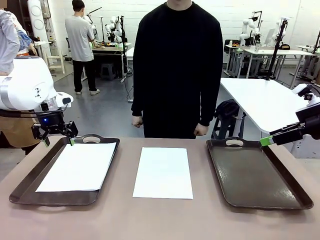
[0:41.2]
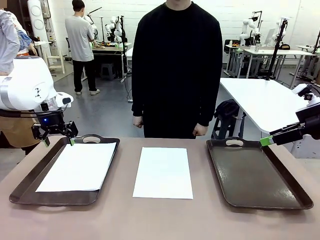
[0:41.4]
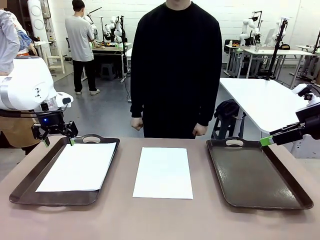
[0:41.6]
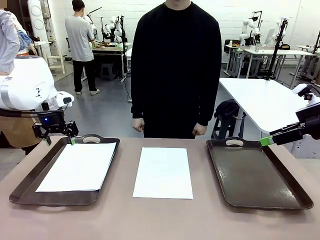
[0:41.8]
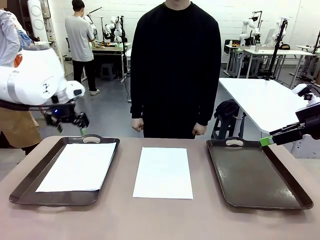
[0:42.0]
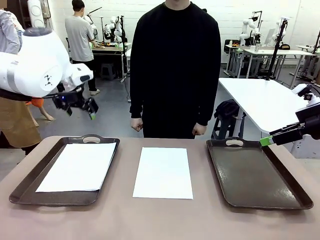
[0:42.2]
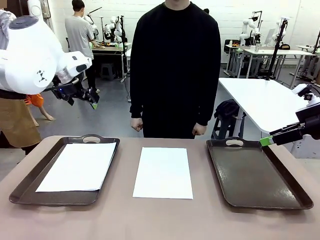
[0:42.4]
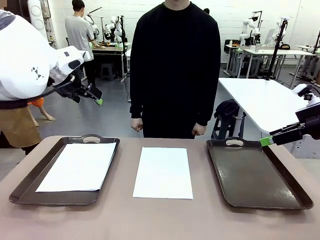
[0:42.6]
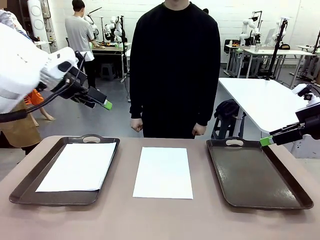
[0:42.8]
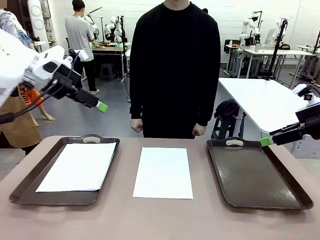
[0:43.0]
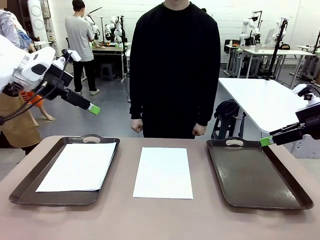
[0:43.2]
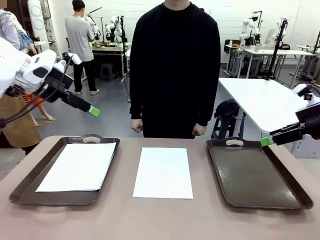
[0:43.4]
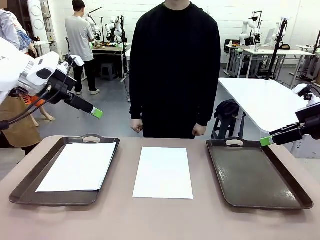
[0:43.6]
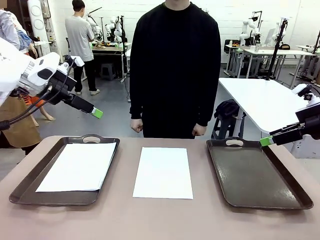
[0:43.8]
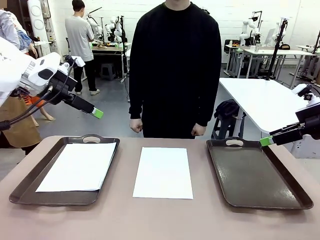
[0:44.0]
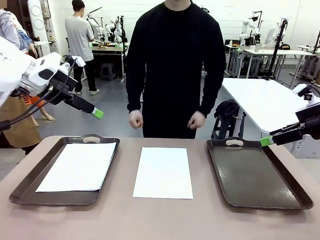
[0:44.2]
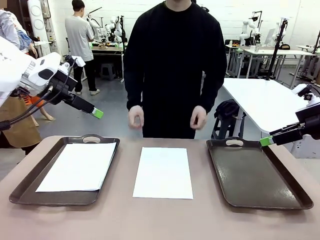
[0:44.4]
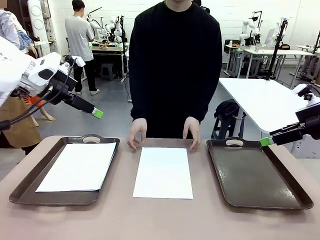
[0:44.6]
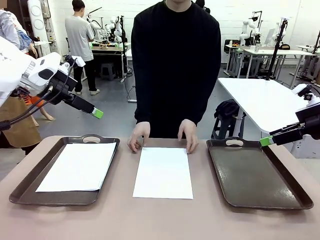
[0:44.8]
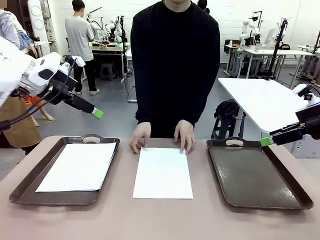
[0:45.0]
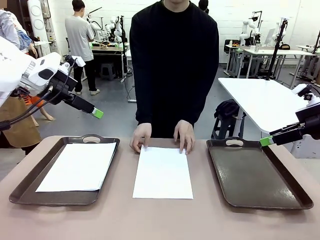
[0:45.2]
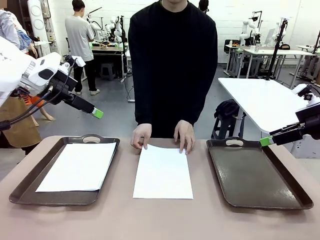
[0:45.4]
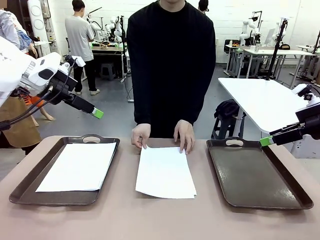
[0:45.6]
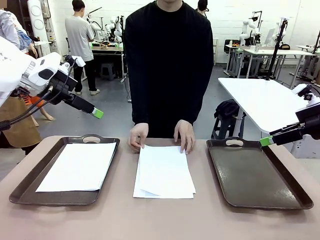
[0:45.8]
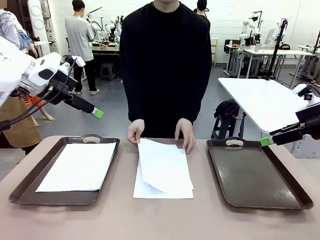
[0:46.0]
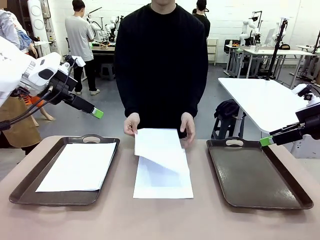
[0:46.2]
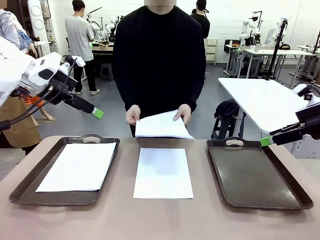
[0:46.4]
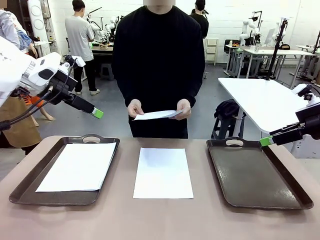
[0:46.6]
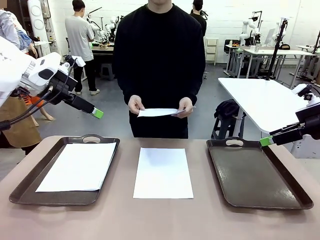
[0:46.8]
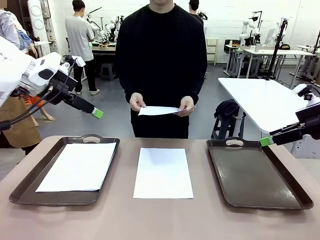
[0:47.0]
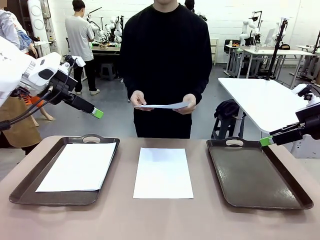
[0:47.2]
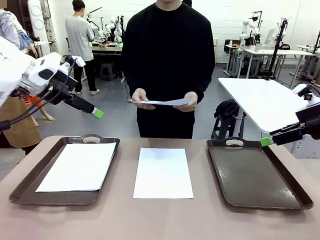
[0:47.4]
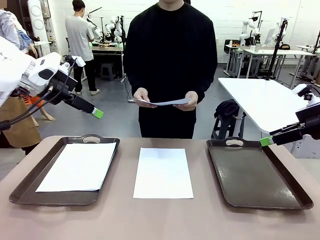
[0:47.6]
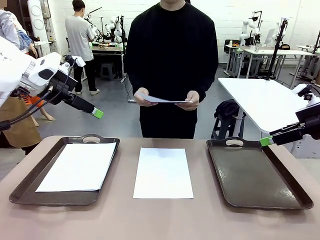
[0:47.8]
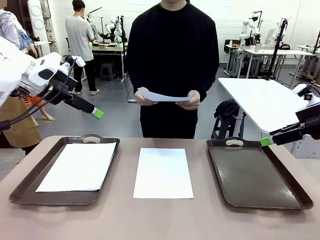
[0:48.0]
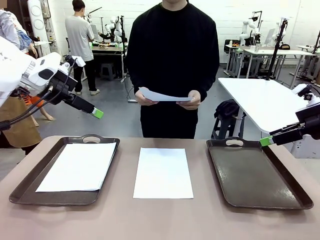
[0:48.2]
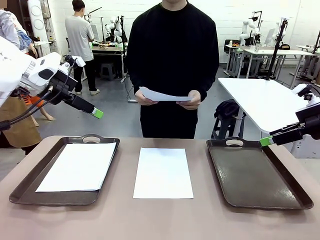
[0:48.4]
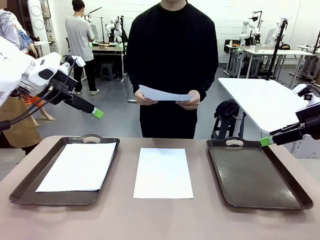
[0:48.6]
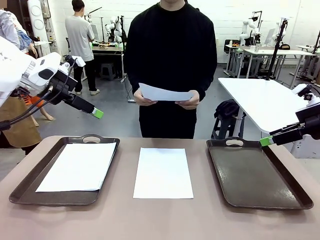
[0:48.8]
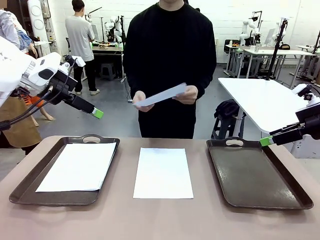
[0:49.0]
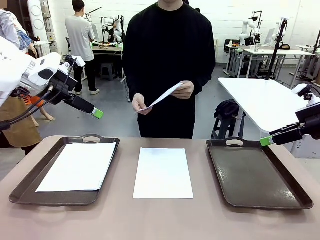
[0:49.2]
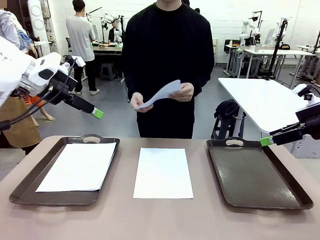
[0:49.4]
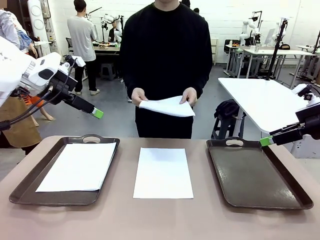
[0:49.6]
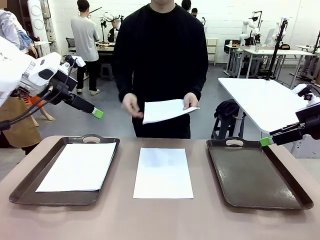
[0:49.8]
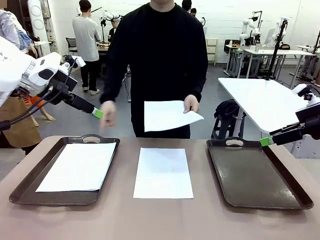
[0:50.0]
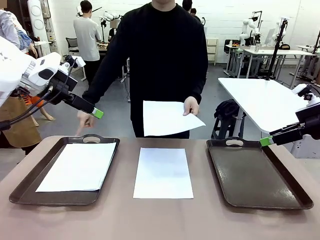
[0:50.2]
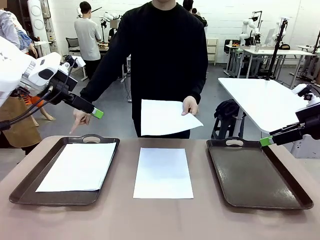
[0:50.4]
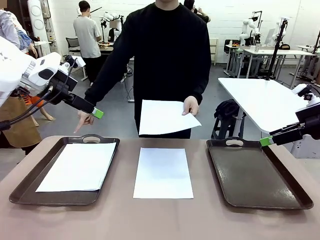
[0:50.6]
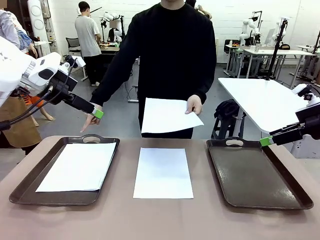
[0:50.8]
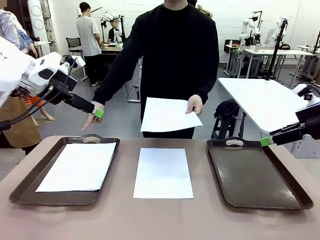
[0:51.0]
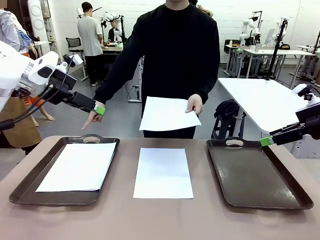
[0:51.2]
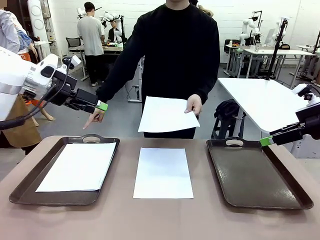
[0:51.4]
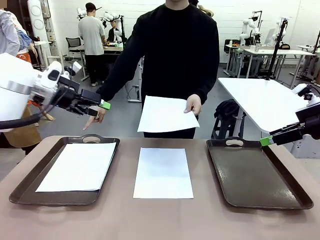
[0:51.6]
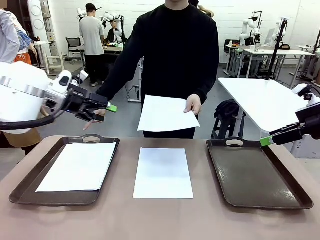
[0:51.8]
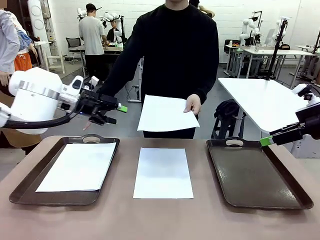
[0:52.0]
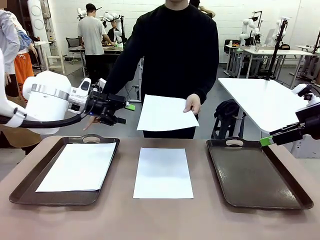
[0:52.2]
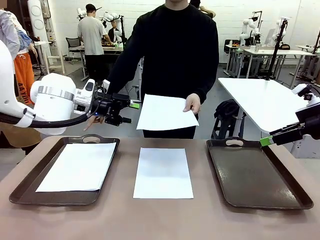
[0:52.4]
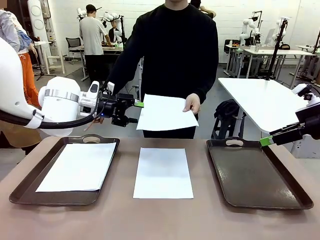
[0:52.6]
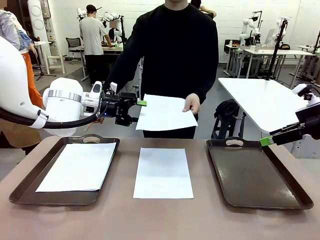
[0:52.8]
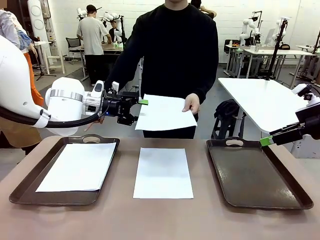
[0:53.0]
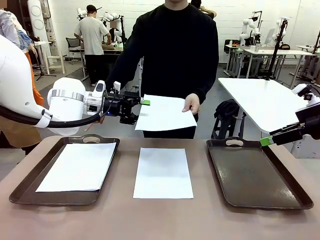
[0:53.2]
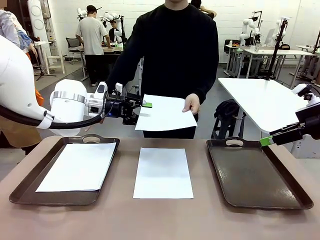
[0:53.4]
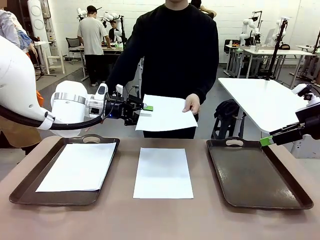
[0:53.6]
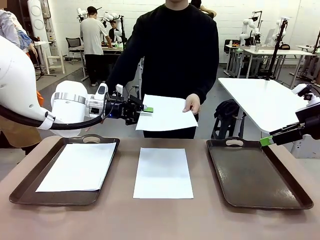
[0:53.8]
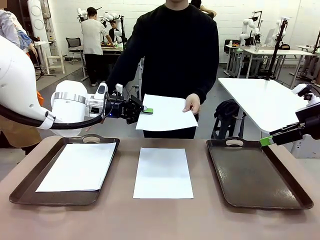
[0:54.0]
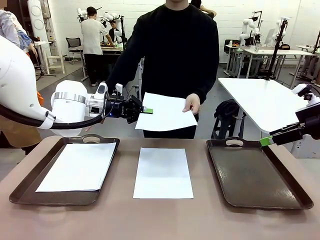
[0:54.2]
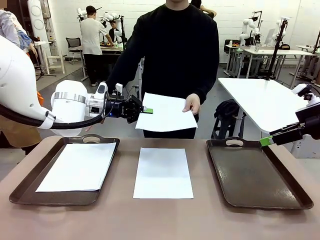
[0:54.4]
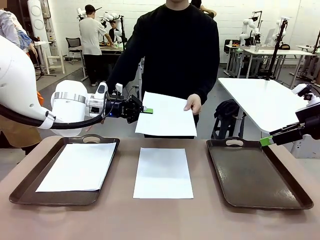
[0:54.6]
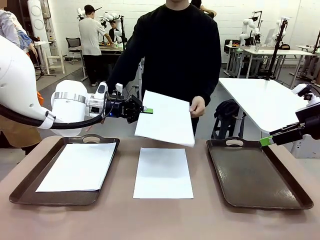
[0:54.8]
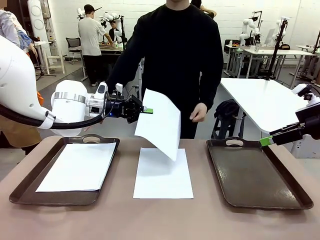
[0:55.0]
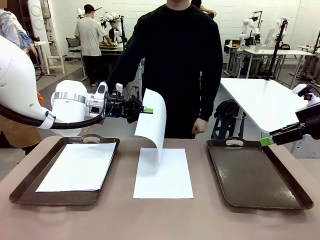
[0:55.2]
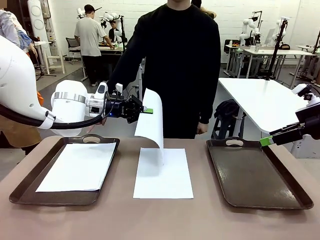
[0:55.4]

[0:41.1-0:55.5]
Task: Sort the A4 documents.
Robot: Receive the A4 Paper.
Person: Point the randomly selected tray with the other hand.

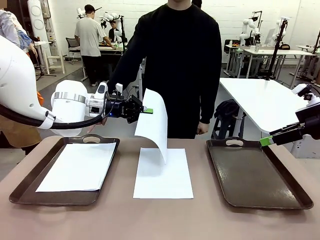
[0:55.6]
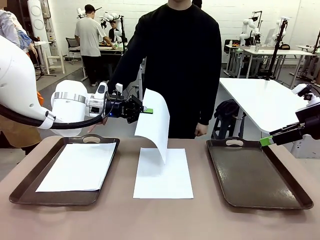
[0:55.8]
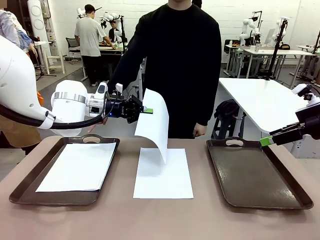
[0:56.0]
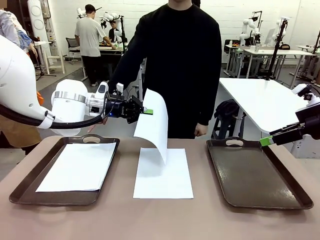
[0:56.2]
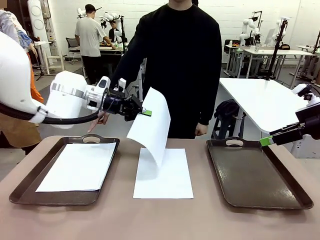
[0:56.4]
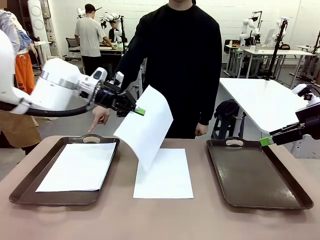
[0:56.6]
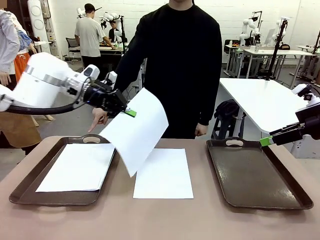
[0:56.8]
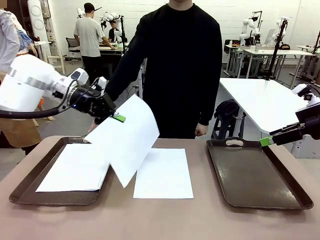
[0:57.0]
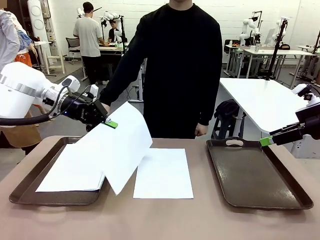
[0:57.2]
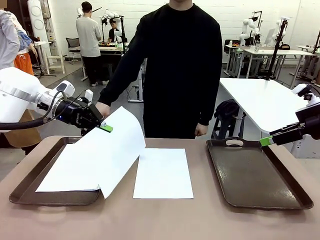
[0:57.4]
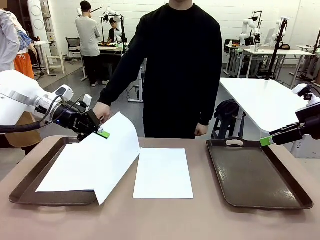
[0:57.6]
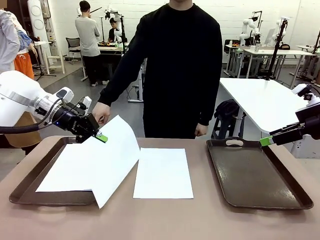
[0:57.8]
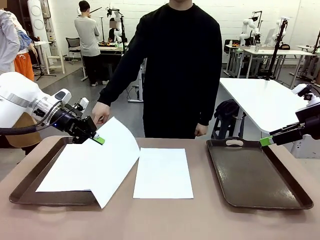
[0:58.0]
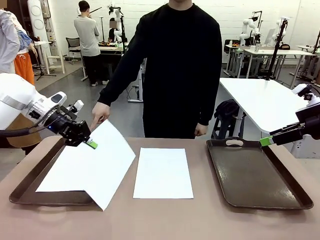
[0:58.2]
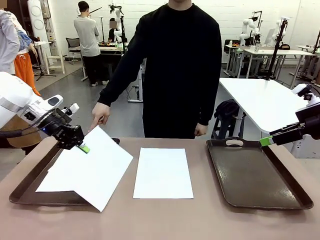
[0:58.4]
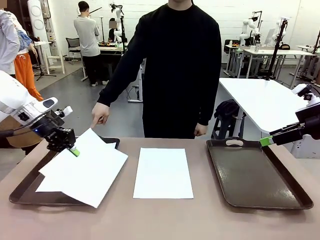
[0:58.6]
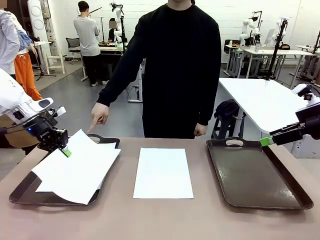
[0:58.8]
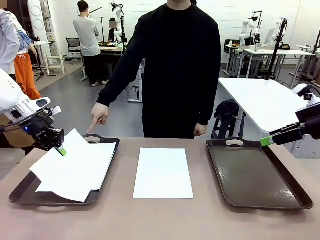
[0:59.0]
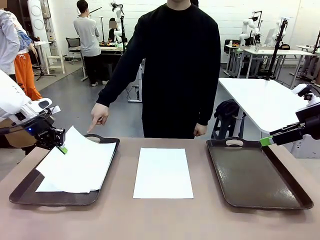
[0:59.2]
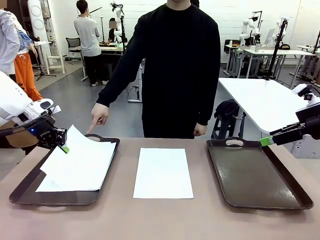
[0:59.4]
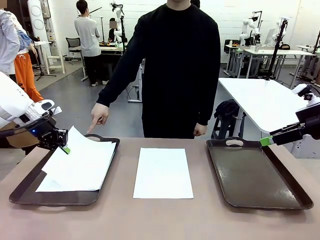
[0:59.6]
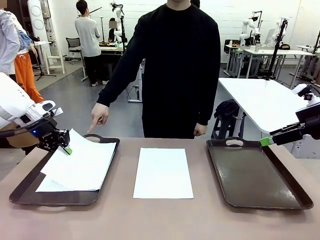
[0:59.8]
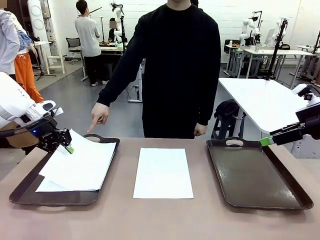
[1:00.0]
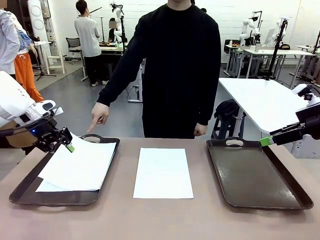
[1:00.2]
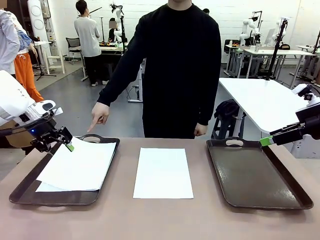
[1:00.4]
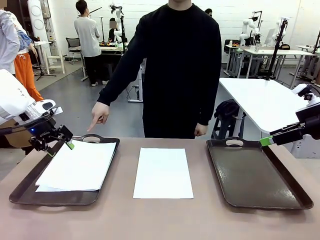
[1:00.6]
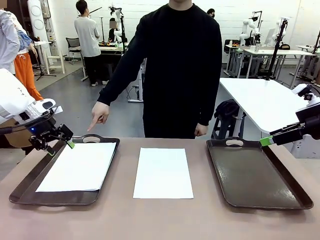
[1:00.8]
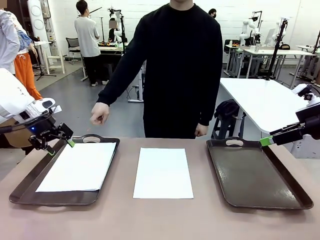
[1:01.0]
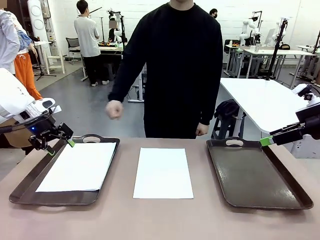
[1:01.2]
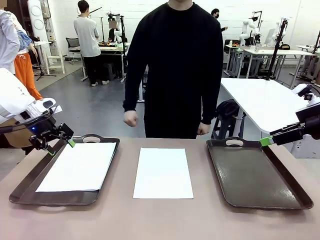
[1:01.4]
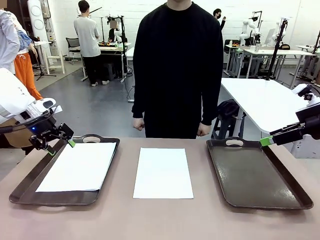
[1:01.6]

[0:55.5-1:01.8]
Robot: Place the A4 Paper in the designated Handle tray.
